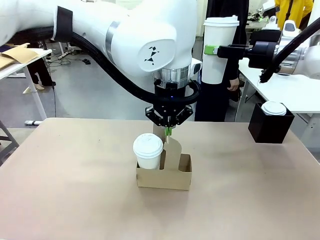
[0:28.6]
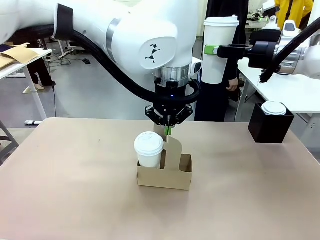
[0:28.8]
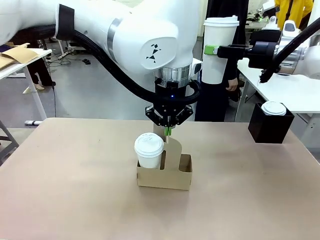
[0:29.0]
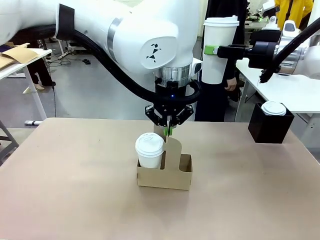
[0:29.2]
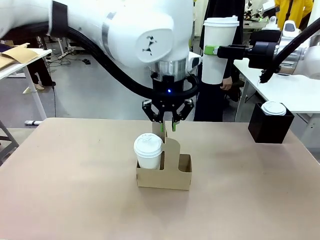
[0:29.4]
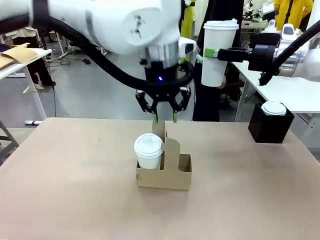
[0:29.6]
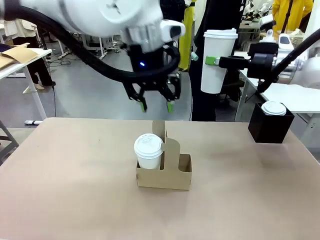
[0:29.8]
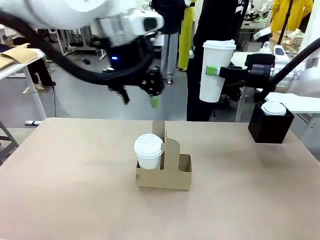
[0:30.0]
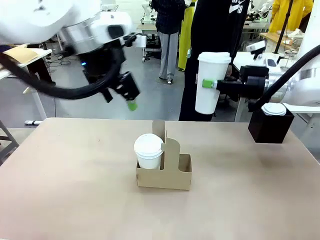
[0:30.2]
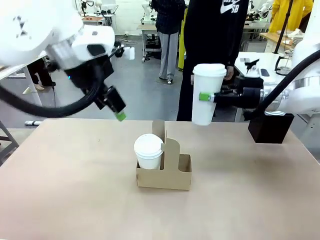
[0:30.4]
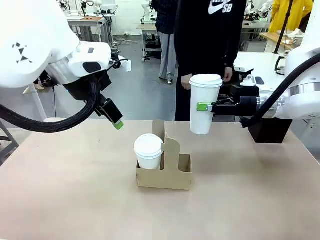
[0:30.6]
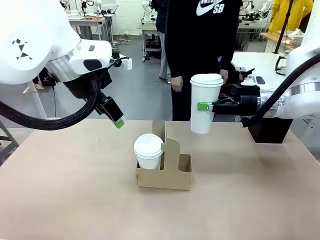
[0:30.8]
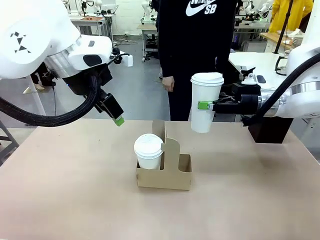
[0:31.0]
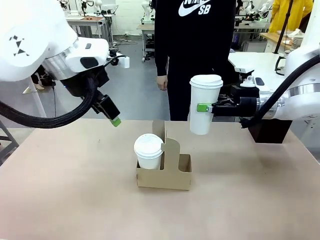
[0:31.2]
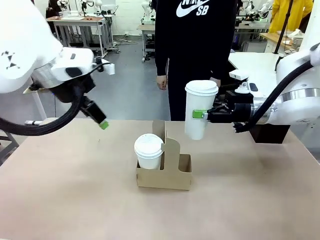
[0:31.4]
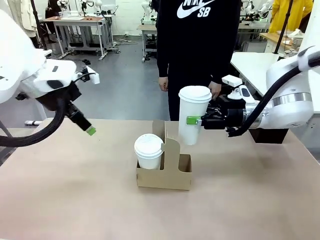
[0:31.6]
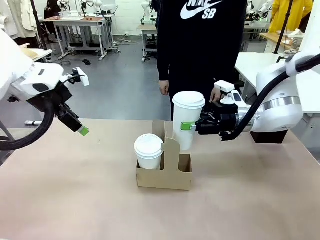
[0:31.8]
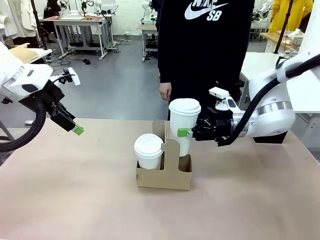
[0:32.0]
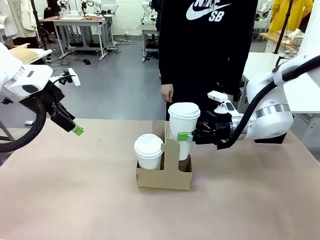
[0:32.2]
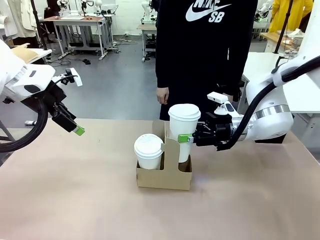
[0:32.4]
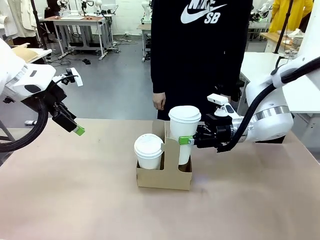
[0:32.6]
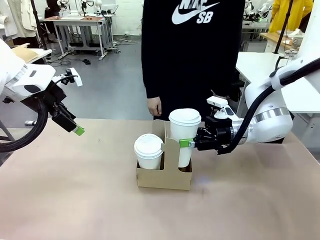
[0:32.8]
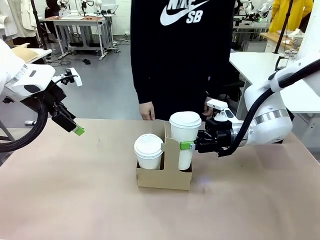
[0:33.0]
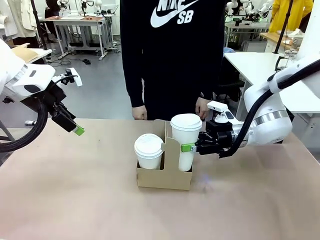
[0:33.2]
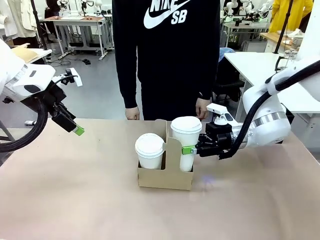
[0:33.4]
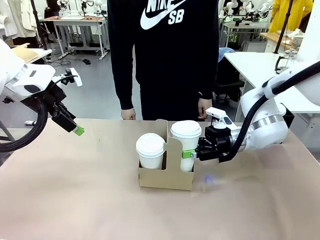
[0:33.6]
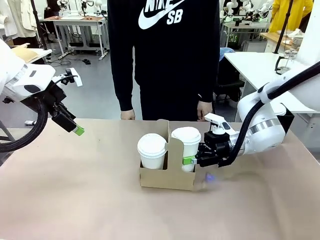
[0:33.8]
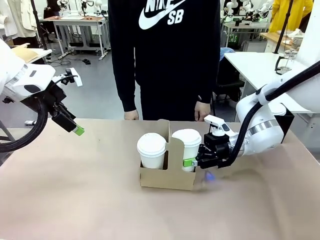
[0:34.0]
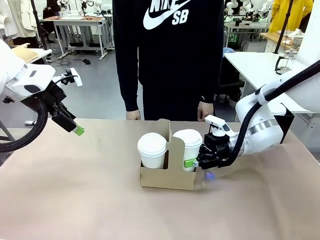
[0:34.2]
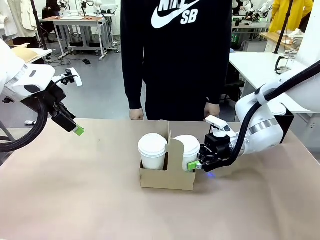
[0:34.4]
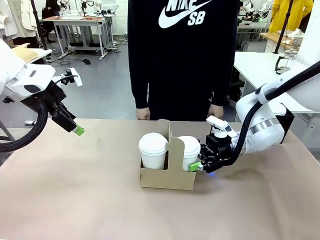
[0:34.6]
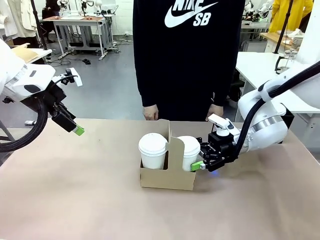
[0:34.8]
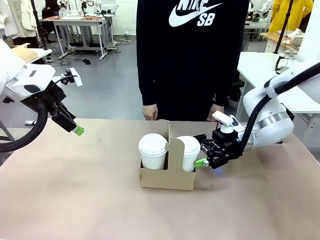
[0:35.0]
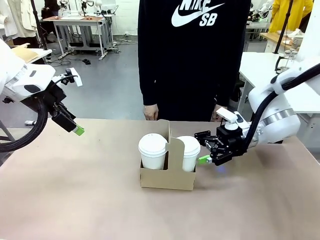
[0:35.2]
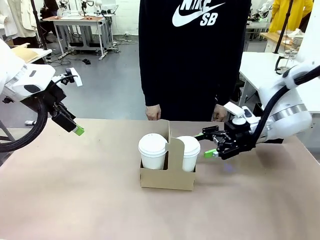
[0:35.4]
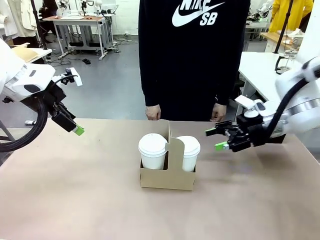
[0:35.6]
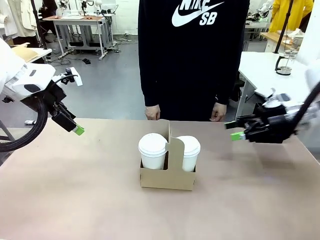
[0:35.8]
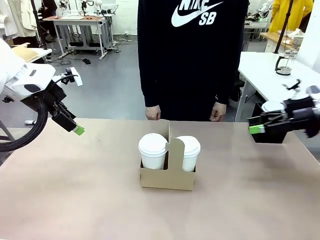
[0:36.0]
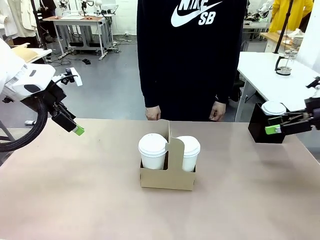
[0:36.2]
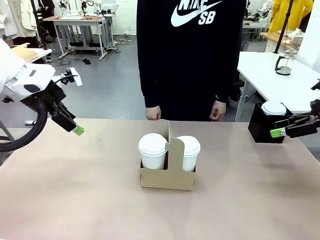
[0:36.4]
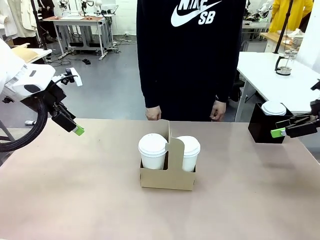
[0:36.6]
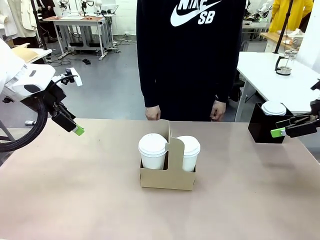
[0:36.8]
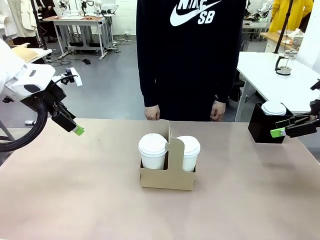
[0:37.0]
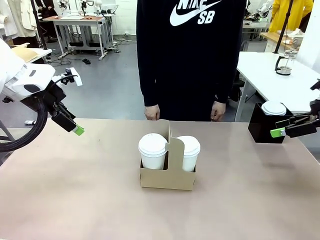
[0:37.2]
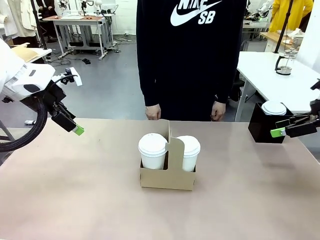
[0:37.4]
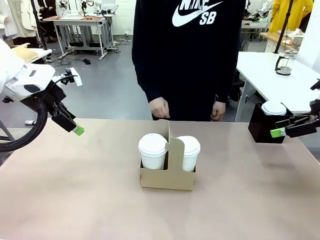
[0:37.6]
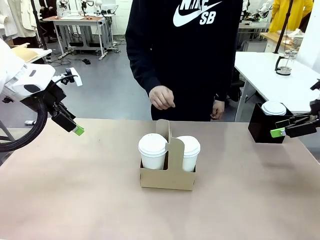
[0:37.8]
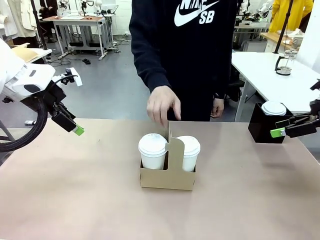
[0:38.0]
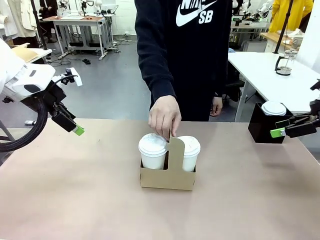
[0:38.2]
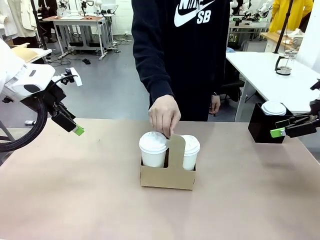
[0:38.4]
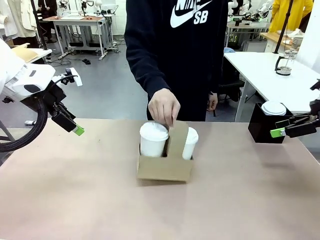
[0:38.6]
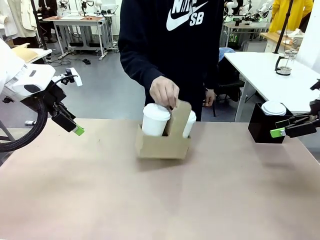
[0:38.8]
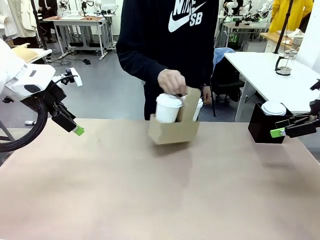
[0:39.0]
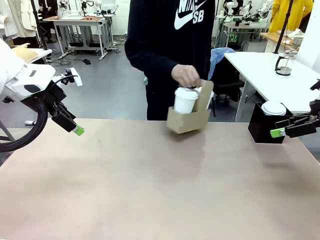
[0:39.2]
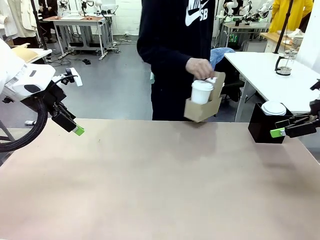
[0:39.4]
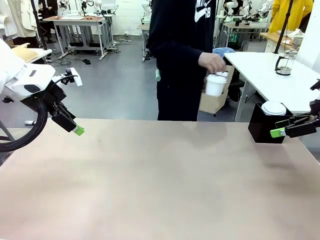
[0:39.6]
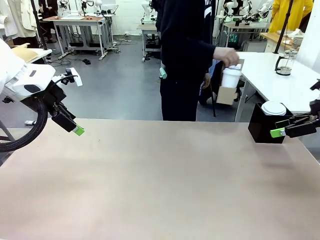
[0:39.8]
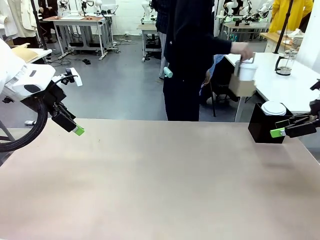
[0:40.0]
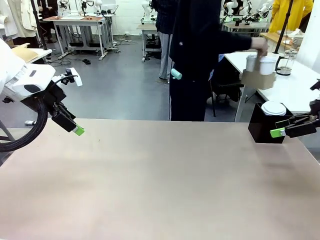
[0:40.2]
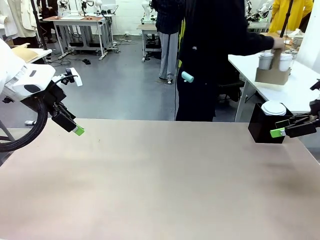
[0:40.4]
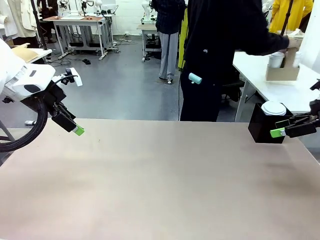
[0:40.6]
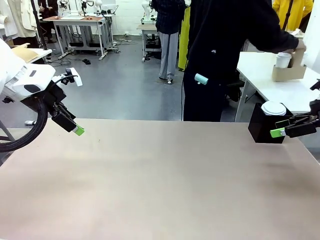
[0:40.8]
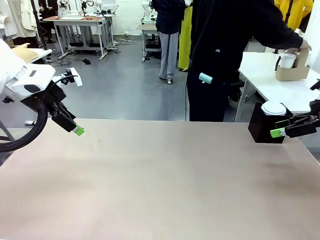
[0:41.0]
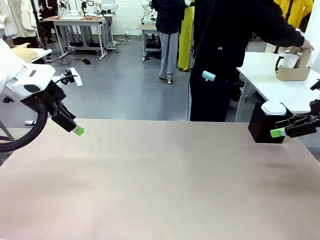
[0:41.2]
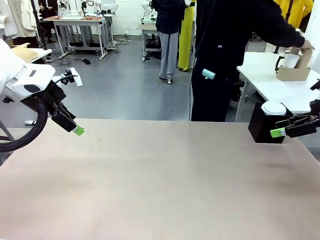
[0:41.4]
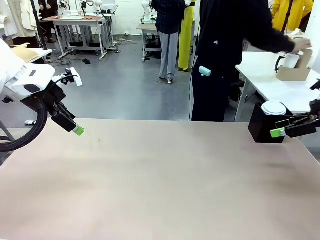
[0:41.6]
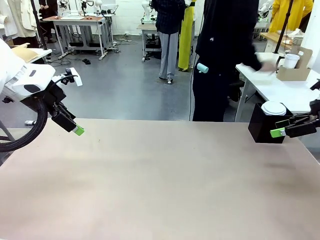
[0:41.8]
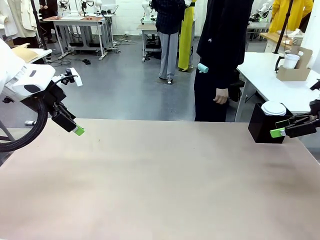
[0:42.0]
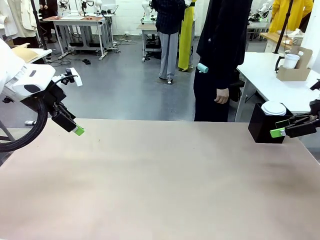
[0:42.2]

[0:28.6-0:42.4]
Task: Pour a drink into a cup and package it in a carrier.
Robot: Insert the held 600 ml Paper Cup into the Cup Carrier.
Person: Place the Cup Carrier to the middle of Human table.
